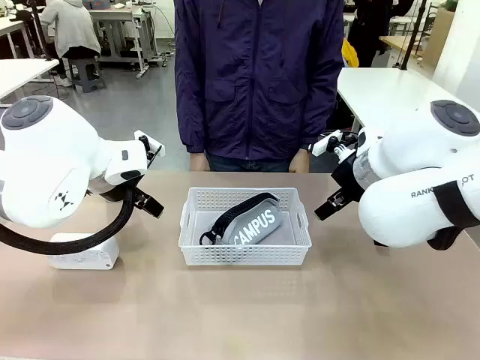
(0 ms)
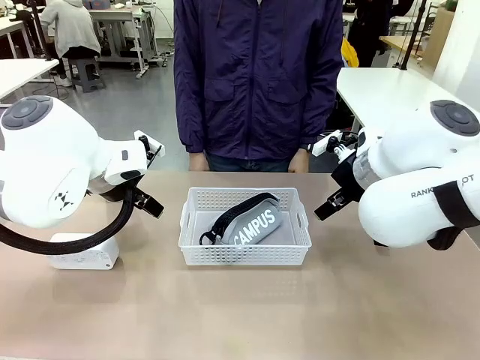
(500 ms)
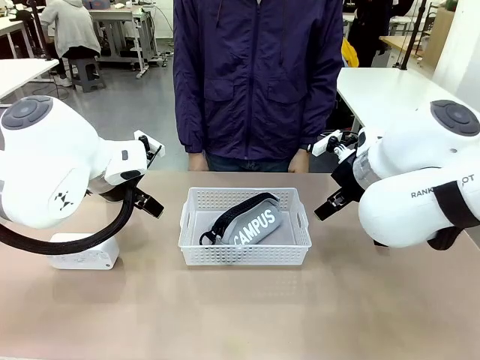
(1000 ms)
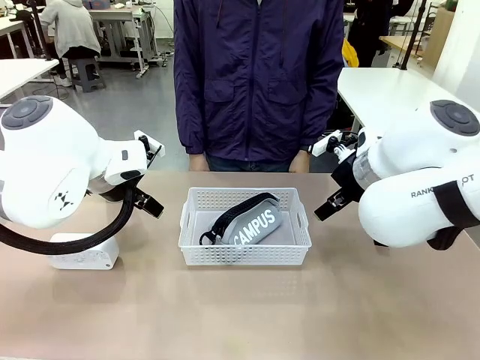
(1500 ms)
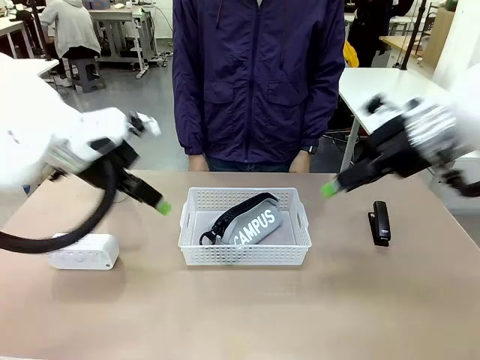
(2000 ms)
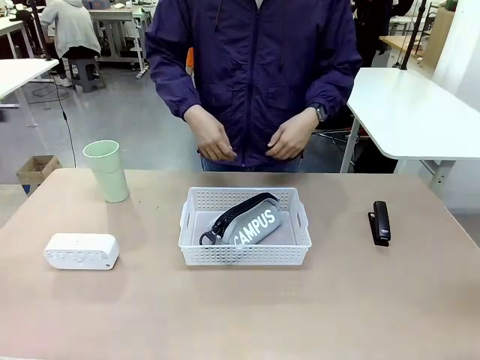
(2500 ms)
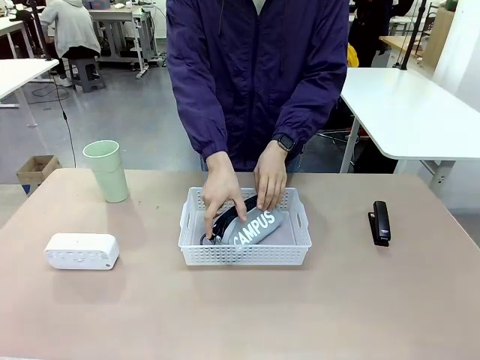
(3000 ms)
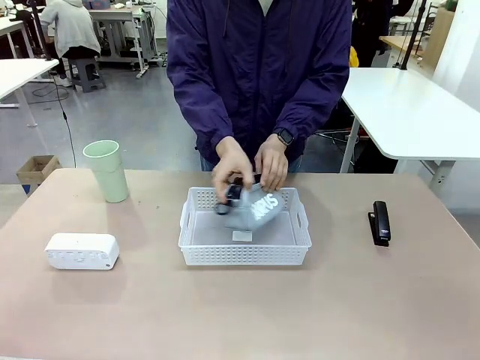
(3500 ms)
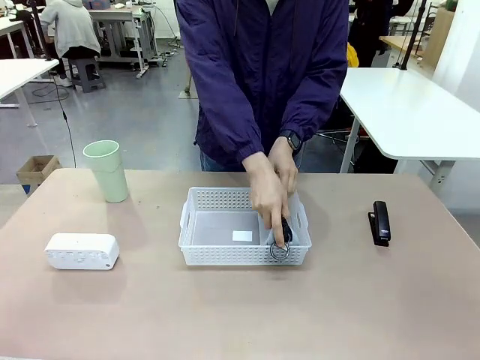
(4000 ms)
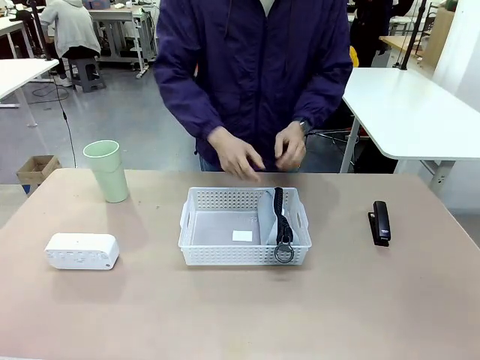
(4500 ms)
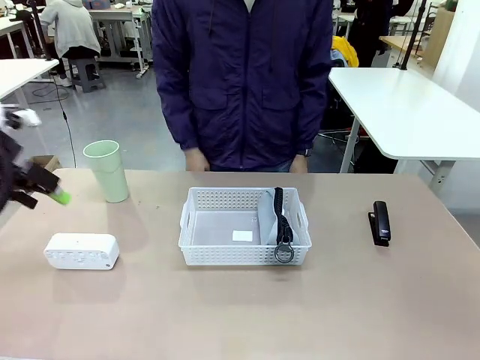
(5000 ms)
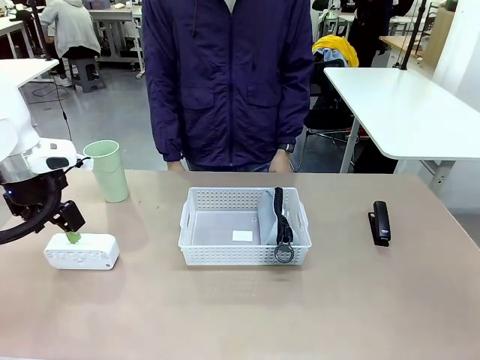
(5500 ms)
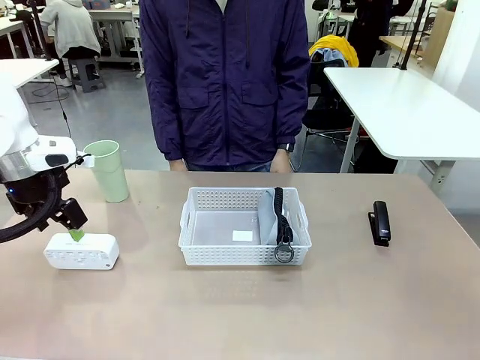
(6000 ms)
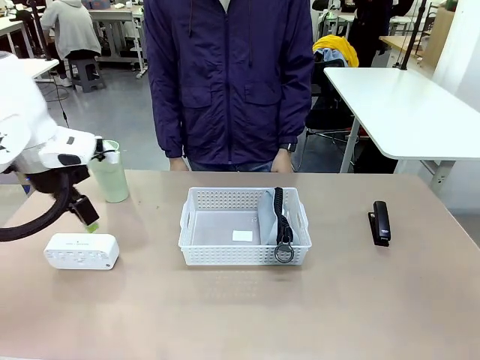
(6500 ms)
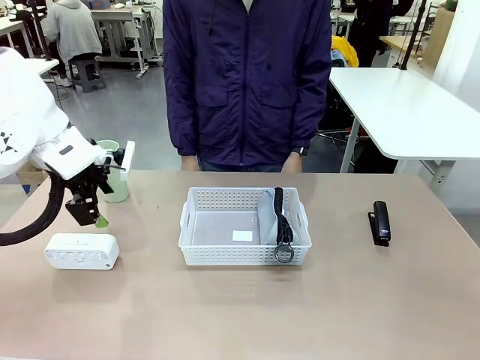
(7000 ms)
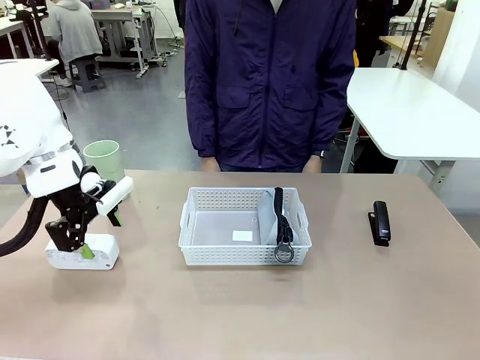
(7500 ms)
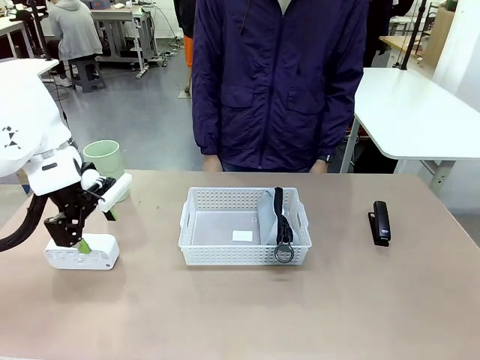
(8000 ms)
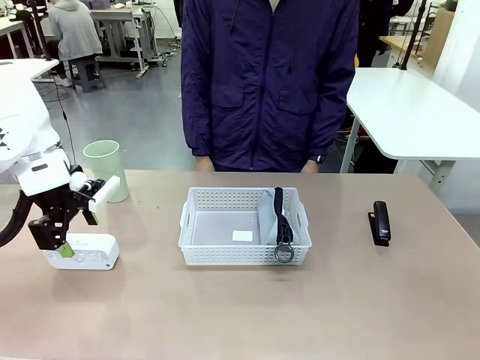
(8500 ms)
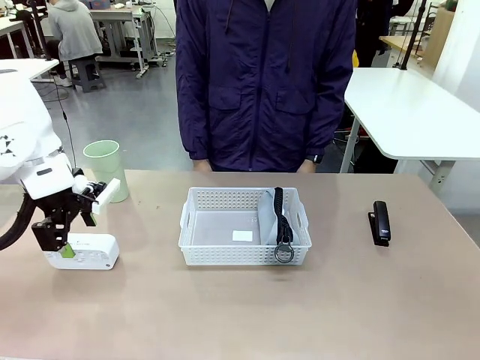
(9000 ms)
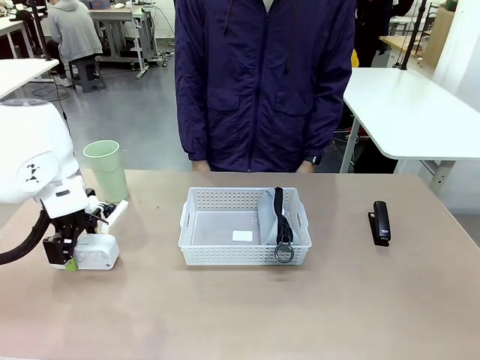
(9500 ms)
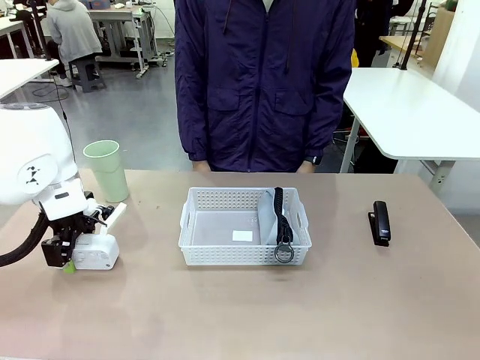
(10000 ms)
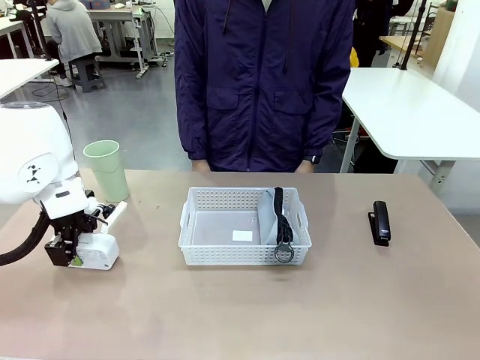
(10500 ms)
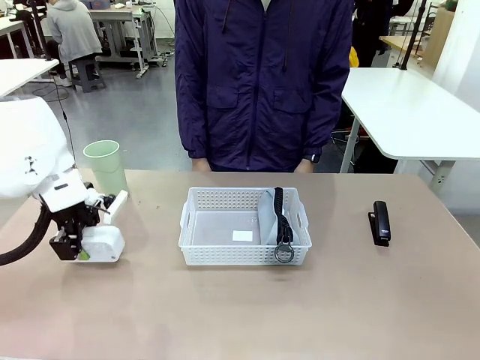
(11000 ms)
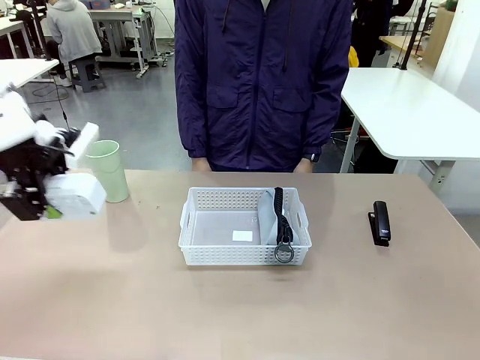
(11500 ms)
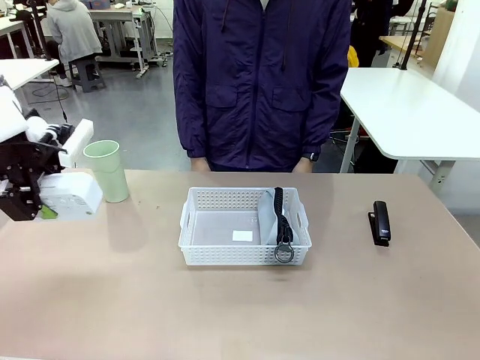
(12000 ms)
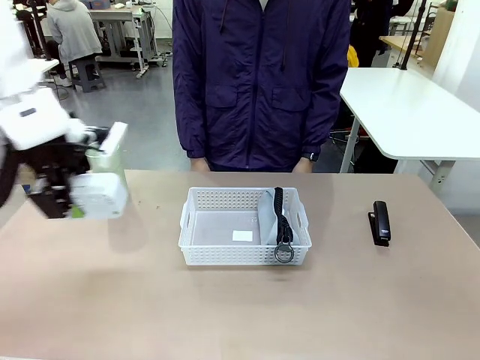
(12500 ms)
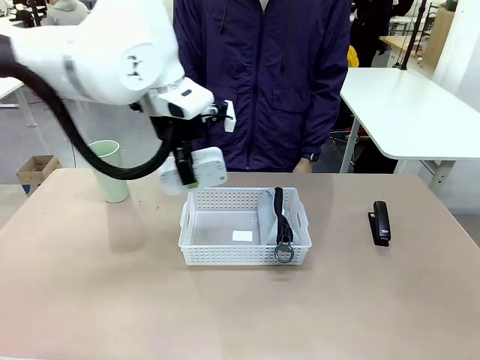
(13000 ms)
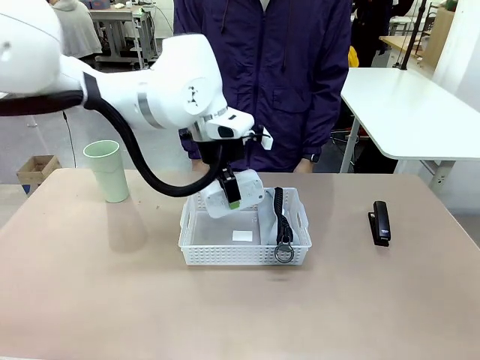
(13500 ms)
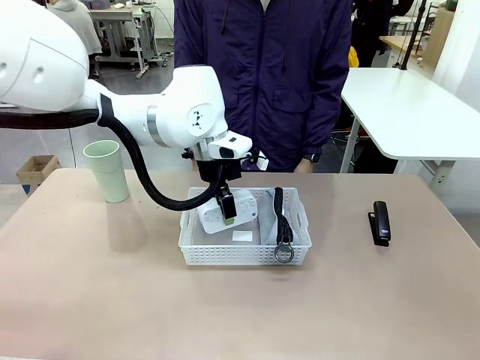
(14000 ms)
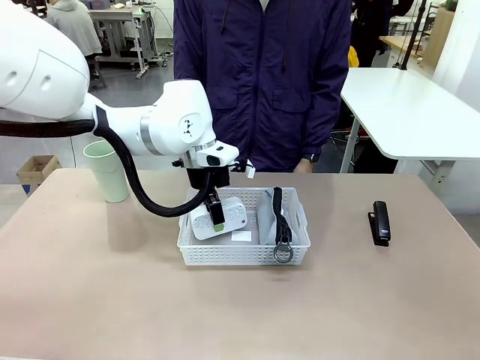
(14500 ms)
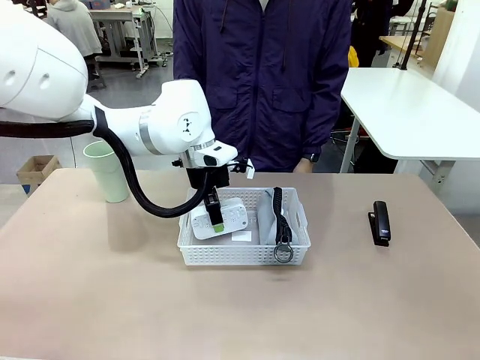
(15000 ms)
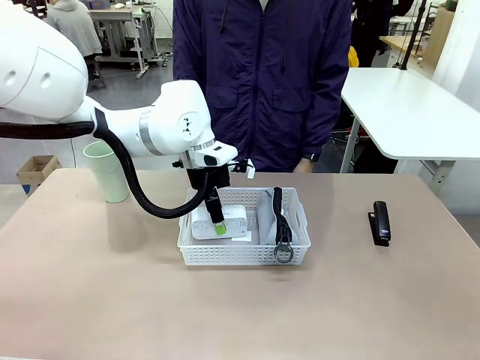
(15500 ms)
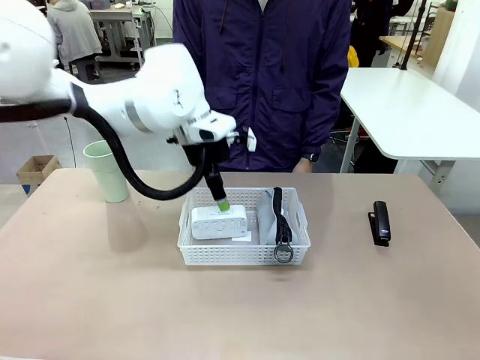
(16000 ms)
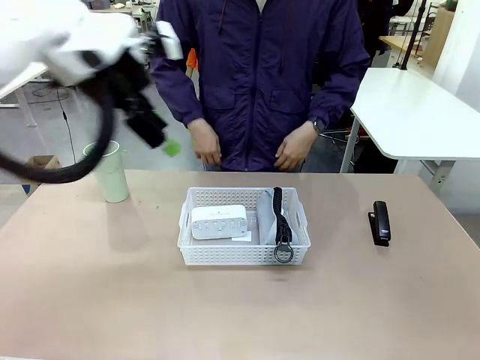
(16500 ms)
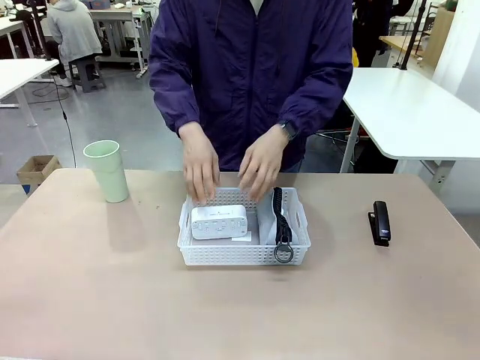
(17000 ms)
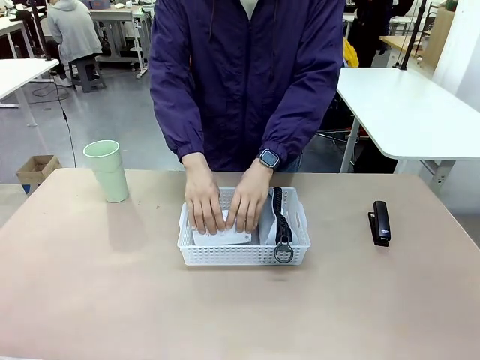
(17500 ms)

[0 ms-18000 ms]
Task: Efficiently arrange items inside the basket to fit them all.
Robot: Pick up the Digital clock and place it inside the Organizing basket.
Person: Repositions the pencil case. Repositions the digital clock.

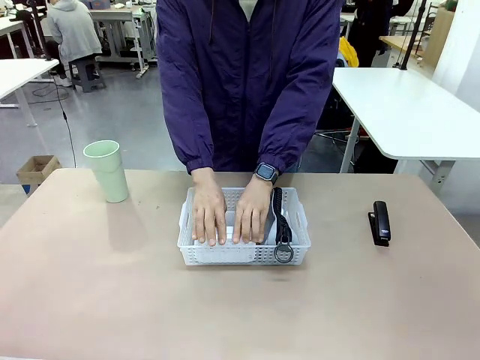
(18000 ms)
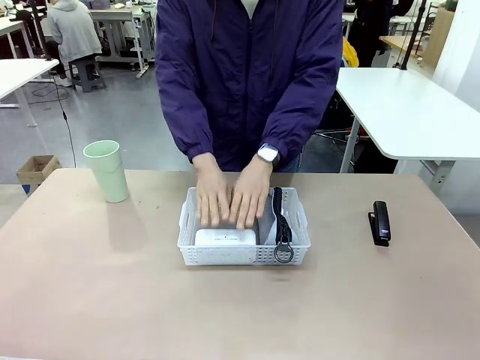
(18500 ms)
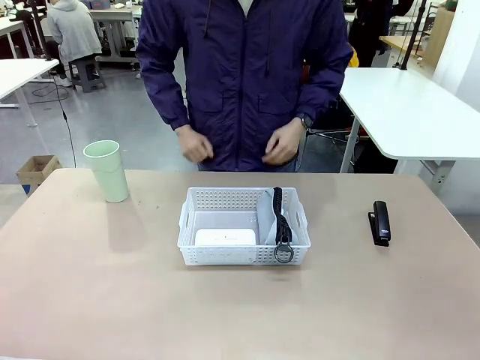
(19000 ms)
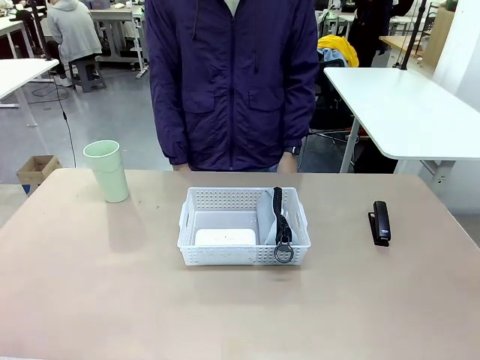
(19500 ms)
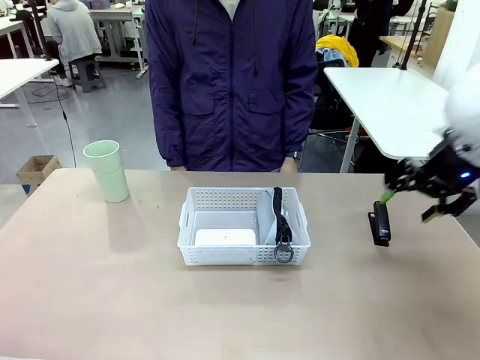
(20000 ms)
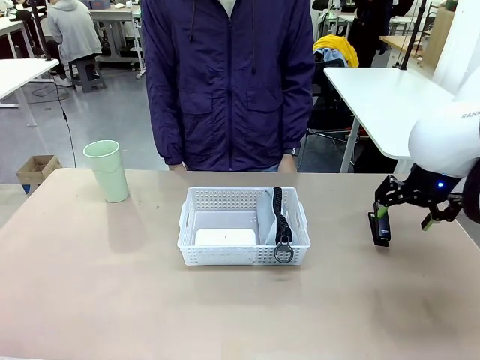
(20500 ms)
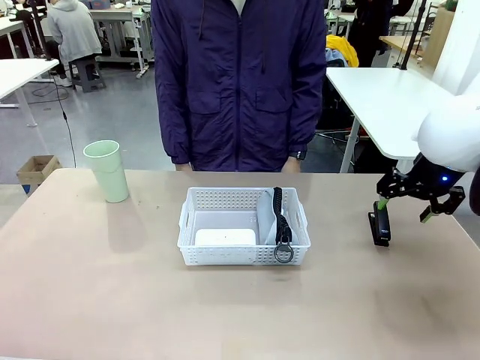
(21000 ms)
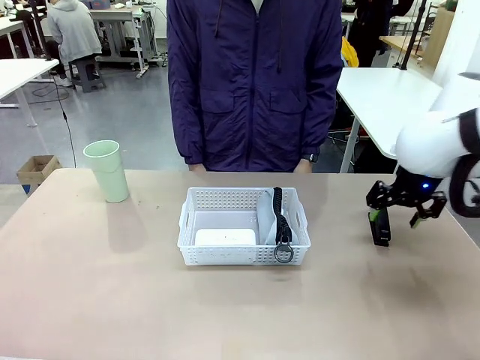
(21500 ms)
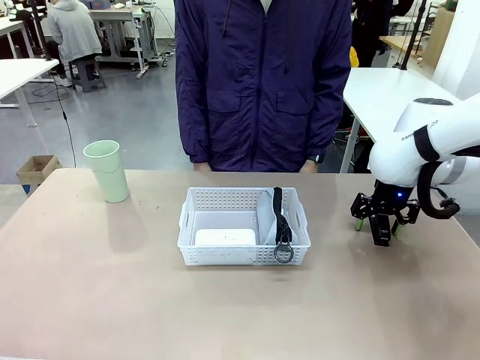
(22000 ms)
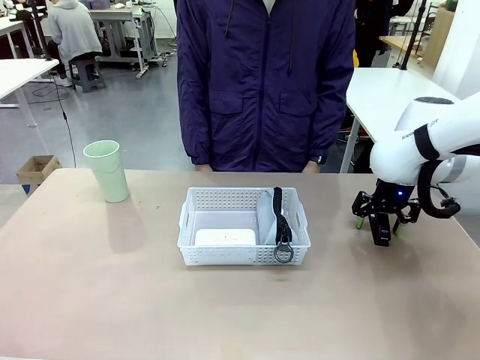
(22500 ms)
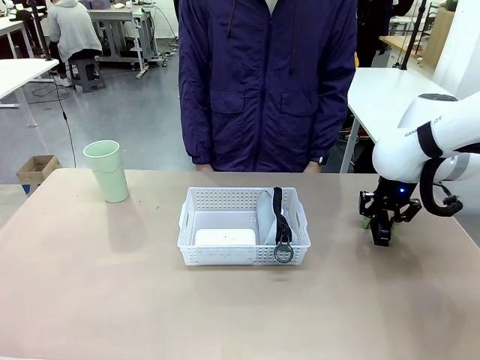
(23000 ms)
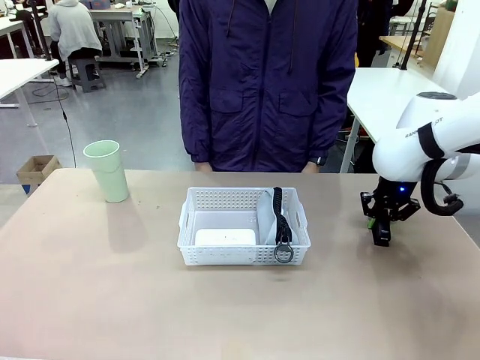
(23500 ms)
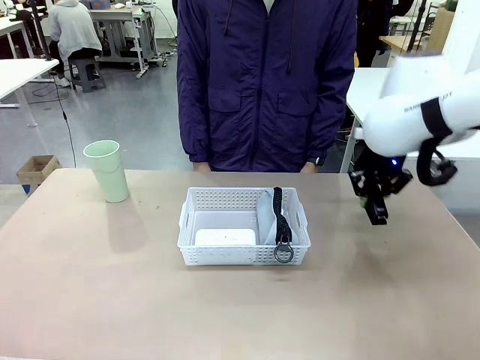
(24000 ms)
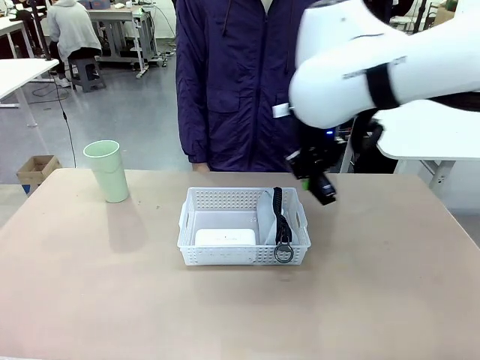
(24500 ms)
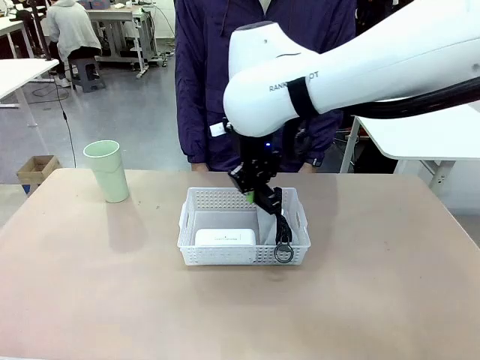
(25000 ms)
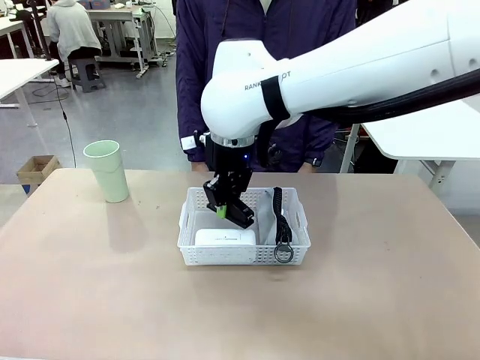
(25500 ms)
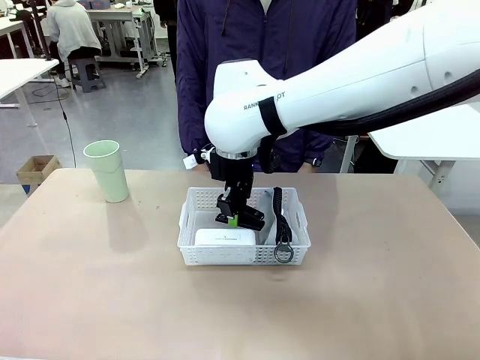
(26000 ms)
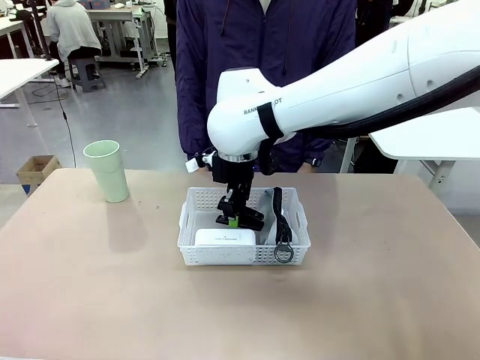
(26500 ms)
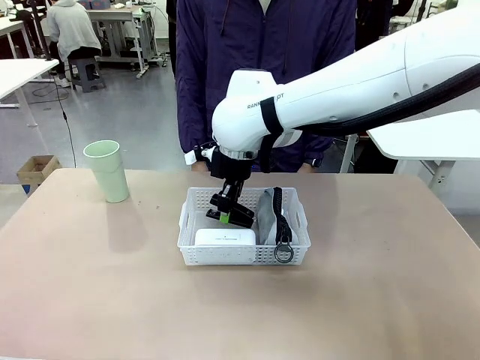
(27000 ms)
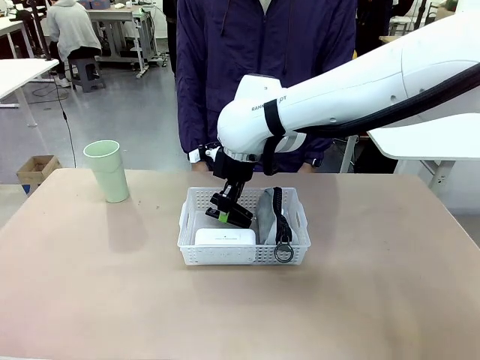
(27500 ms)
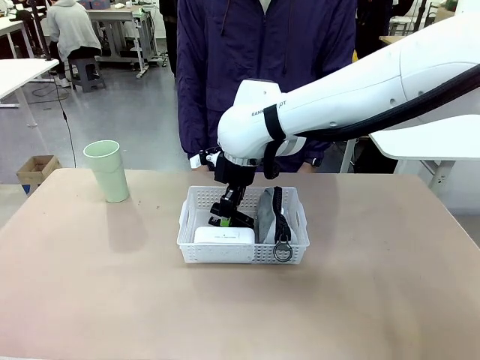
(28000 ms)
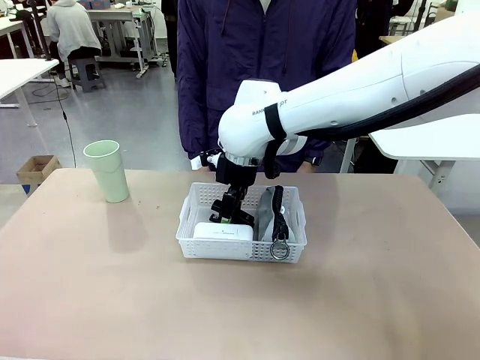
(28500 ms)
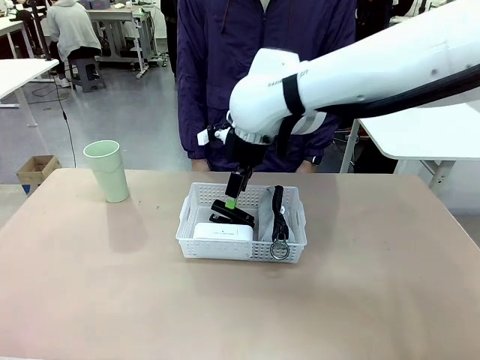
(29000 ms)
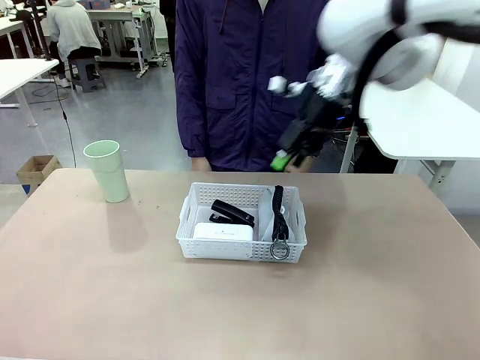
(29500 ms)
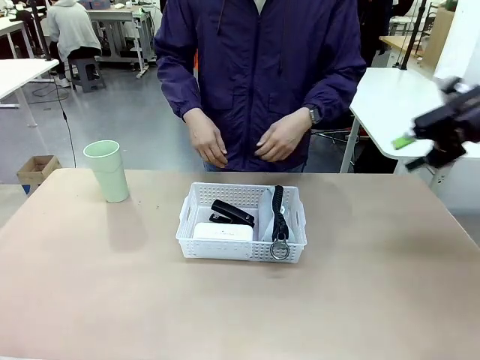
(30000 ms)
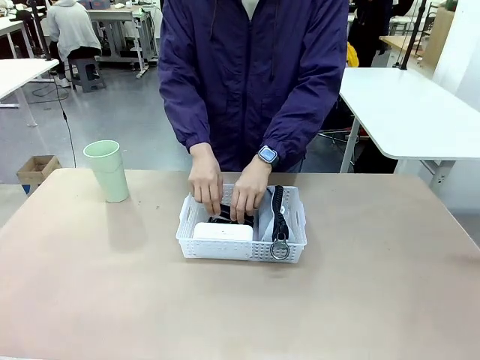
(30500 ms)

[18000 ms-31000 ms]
Robot: Pick up the Stapler and place it inside the Organizing basket.
